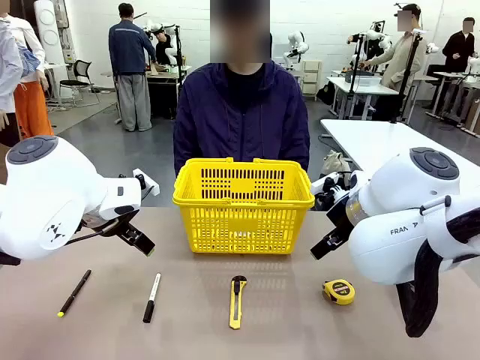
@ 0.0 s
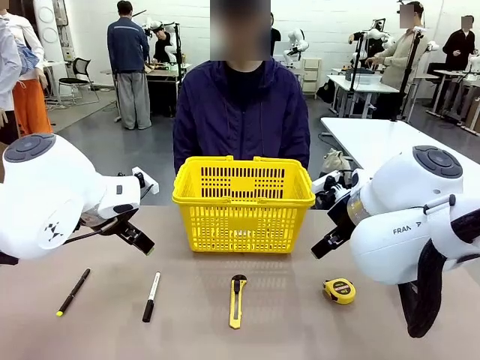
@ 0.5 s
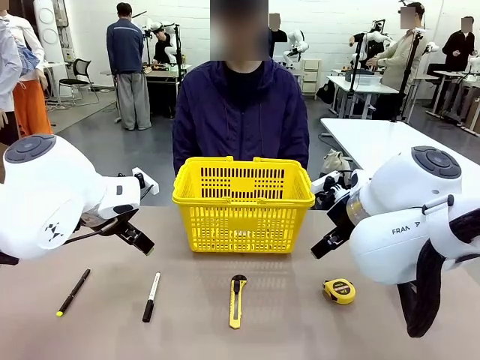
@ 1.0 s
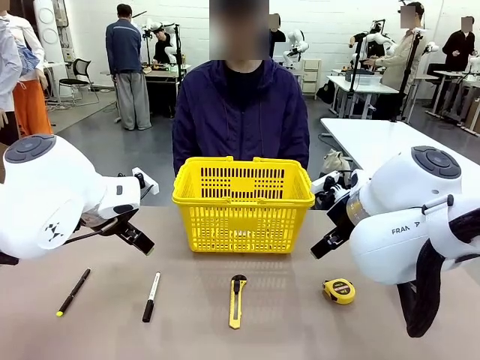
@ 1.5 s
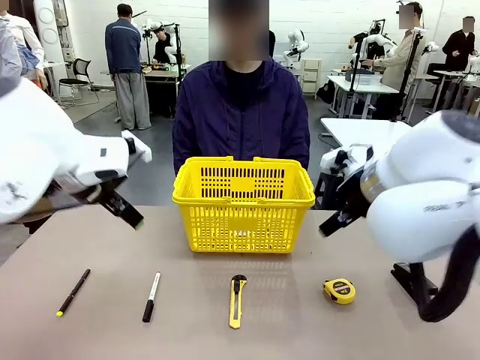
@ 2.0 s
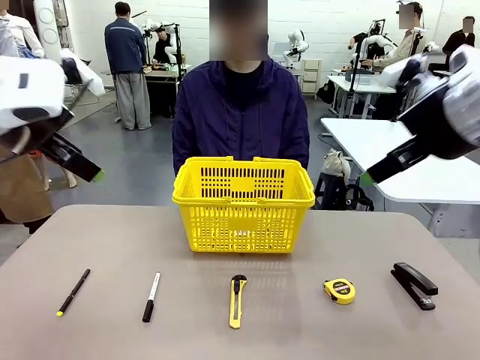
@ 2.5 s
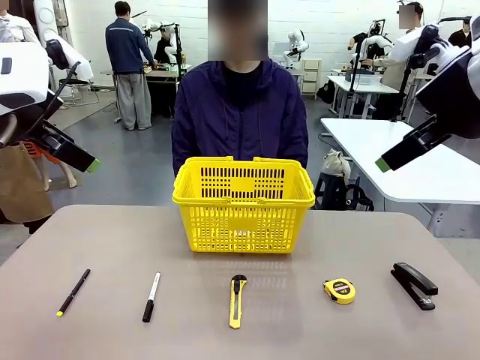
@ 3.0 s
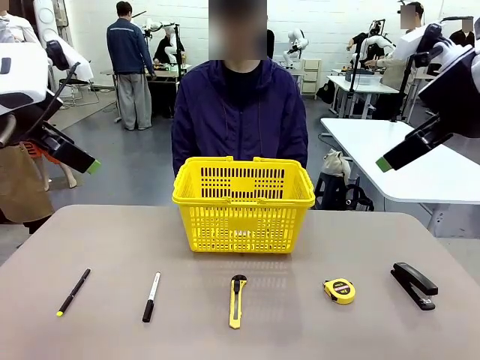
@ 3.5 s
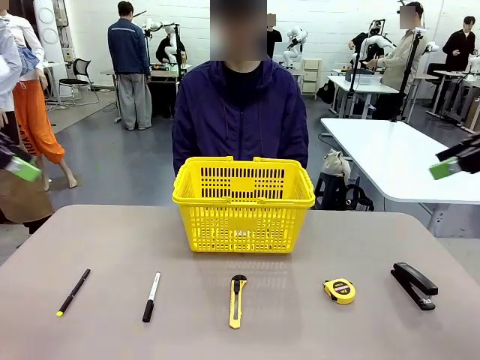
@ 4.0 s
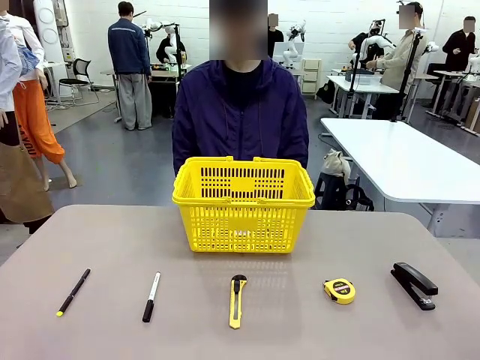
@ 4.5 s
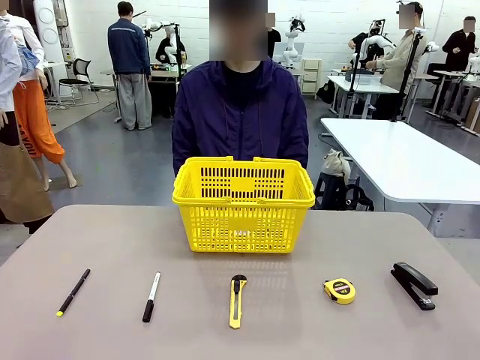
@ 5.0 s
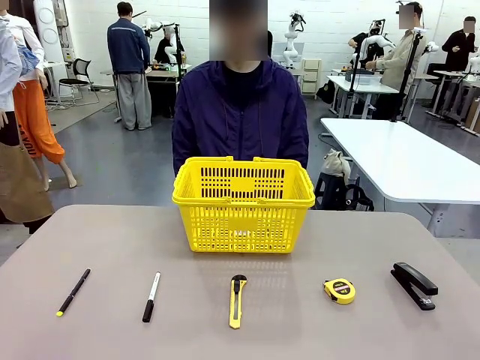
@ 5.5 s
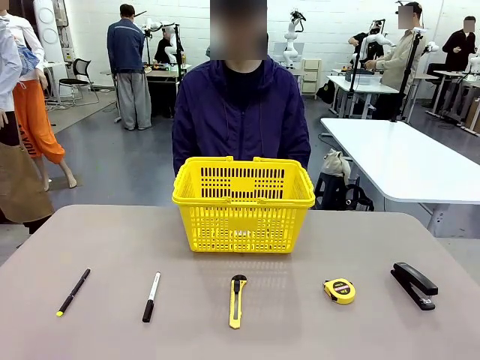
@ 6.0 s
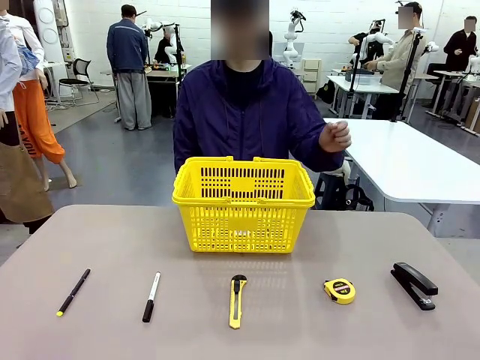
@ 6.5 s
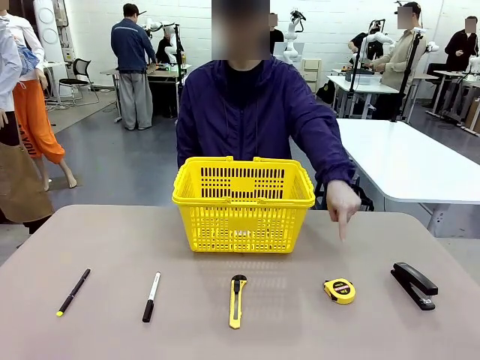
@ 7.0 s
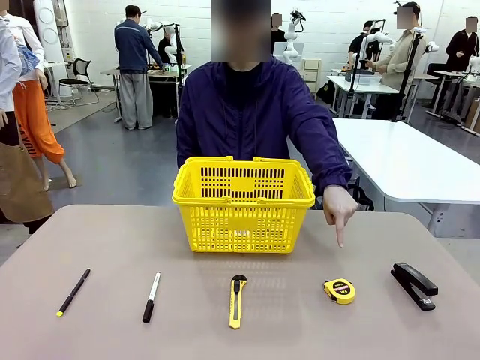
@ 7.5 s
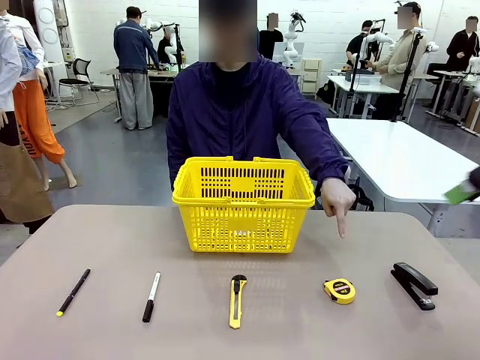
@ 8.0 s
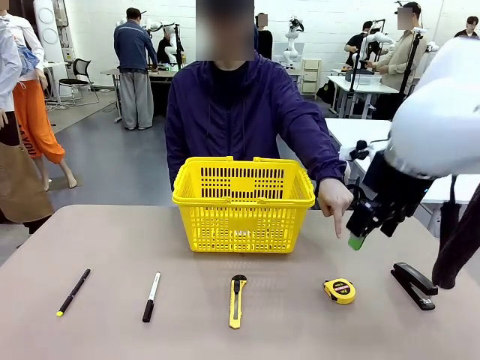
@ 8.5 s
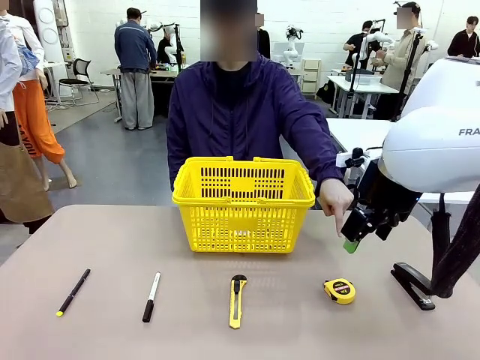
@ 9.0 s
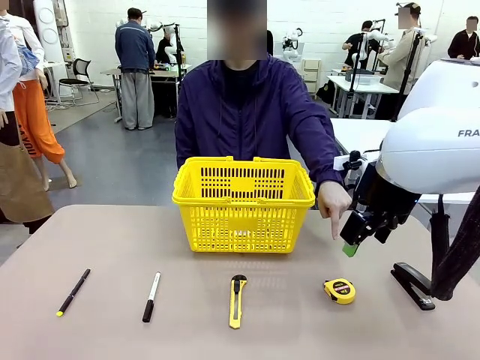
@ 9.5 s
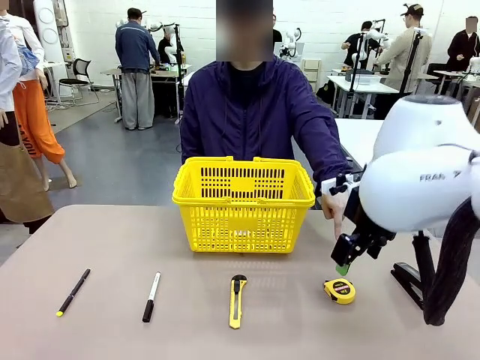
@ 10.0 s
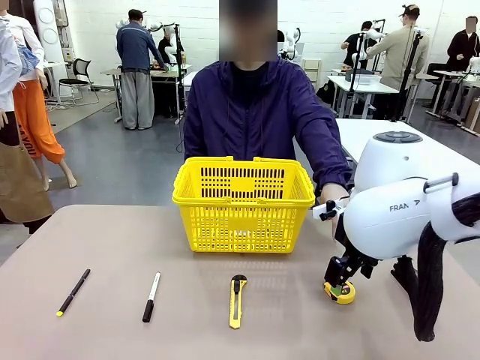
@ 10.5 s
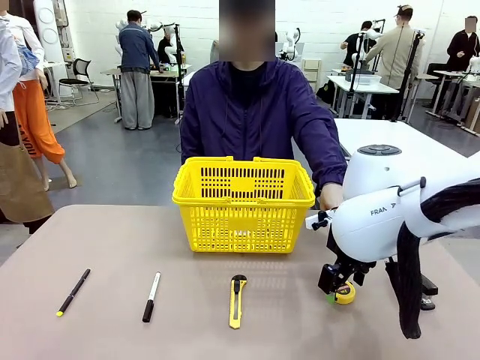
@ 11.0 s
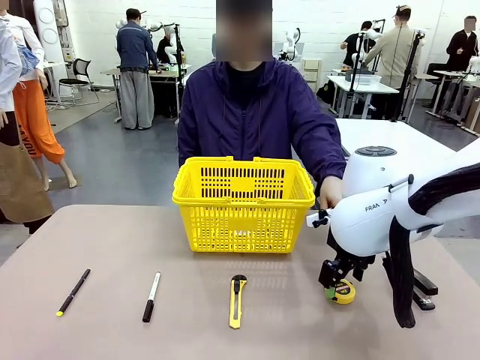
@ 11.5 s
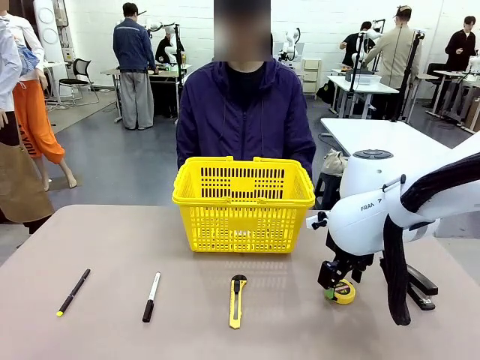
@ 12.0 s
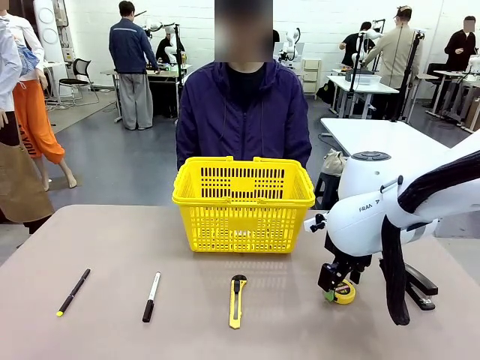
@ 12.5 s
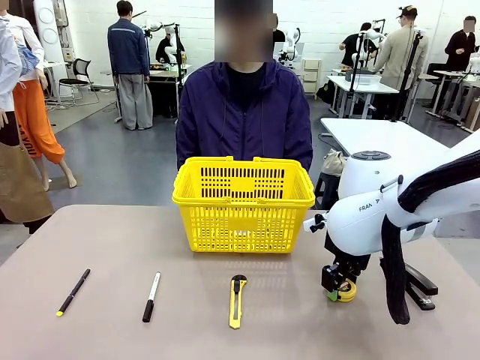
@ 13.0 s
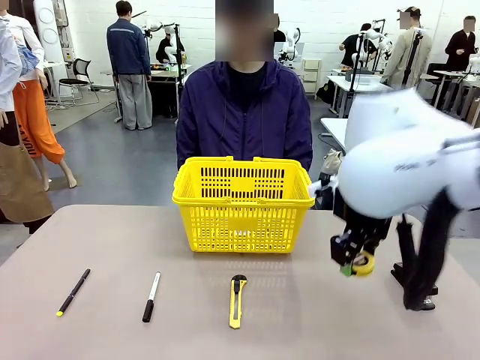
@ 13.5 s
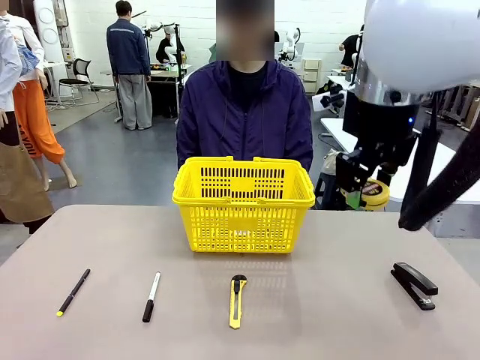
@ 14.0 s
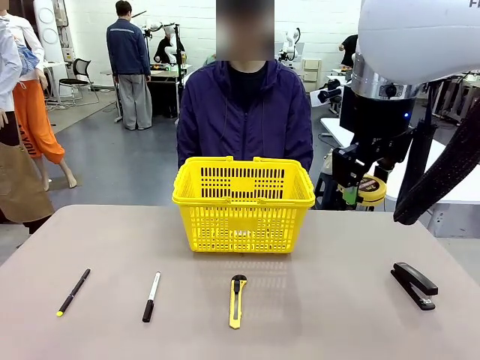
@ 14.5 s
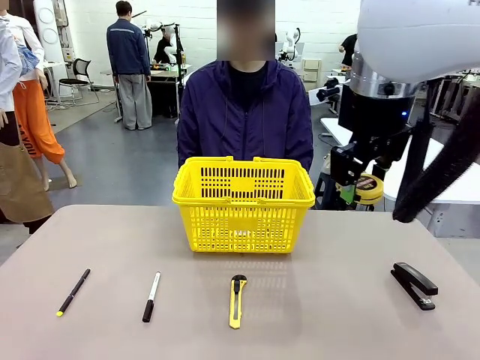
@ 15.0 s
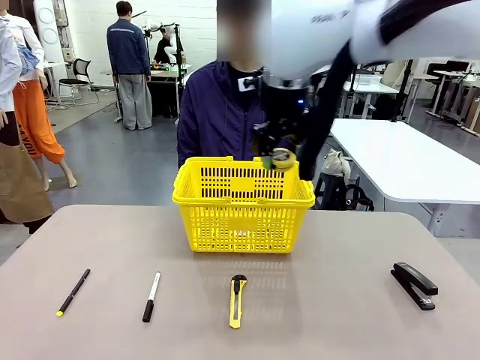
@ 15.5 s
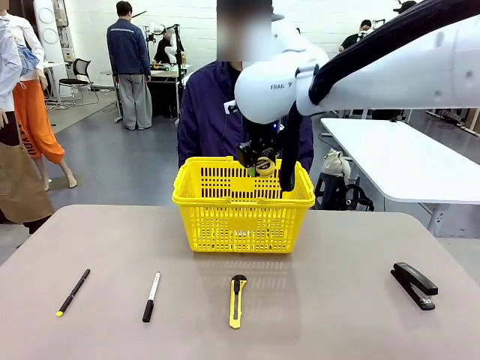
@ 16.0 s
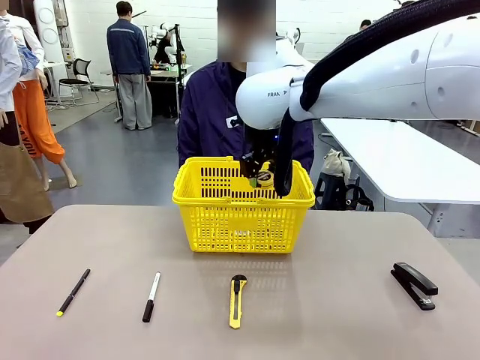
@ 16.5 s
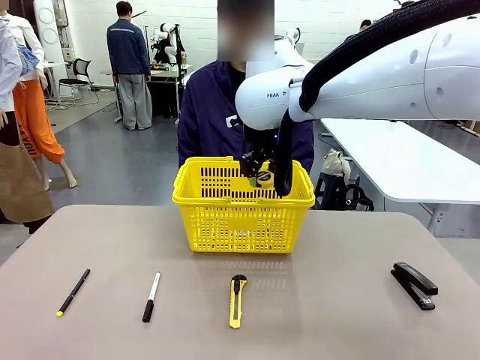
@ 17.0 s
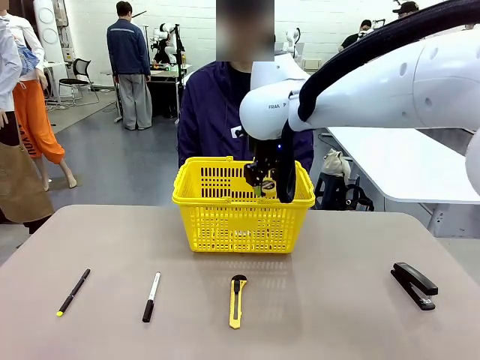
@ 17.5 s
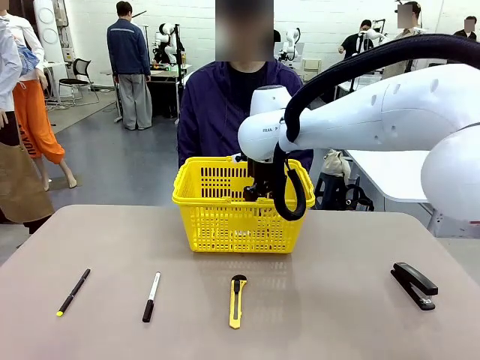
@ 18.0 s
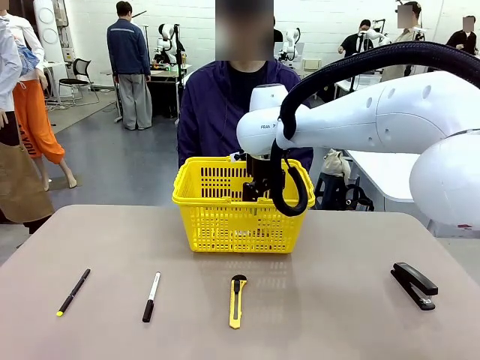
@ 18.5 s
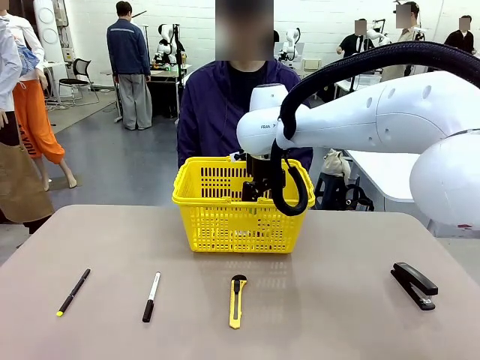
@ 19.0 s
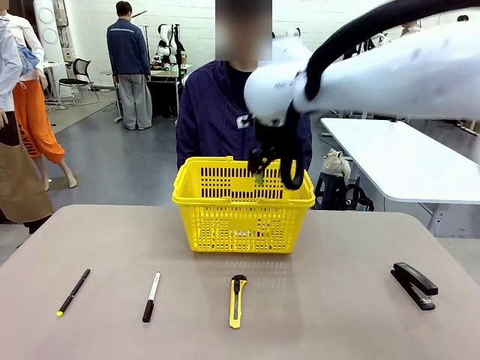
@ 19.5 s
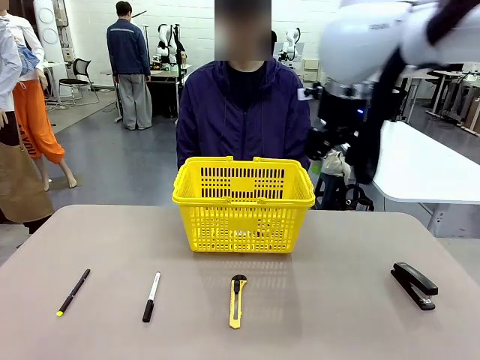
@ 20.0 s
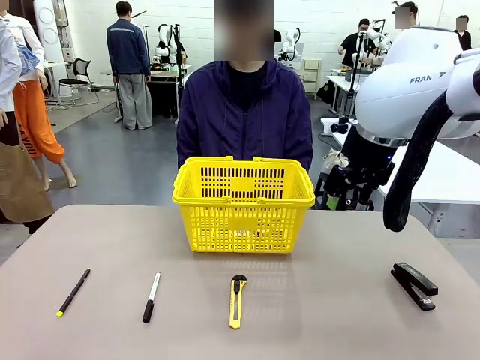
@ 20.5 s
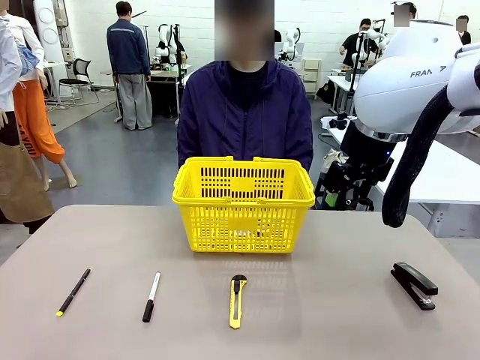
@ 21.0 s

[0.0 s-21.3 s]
Task: Place the items the person wants into the basket.
Robot: Pick up the item the person points to and place it in the Market Basket.
